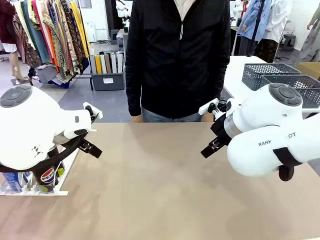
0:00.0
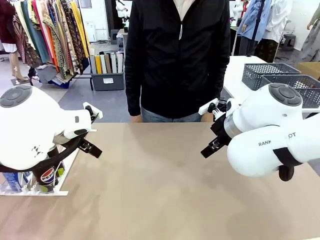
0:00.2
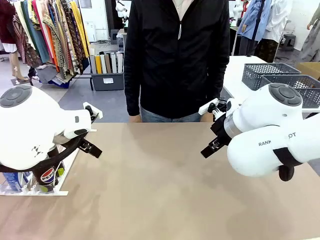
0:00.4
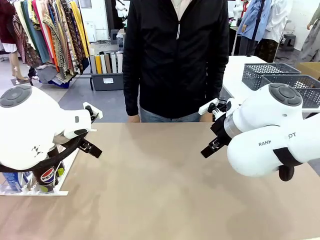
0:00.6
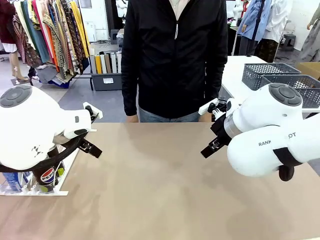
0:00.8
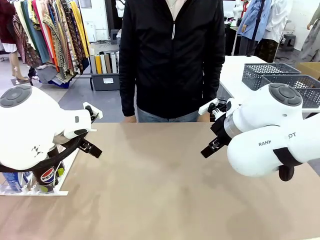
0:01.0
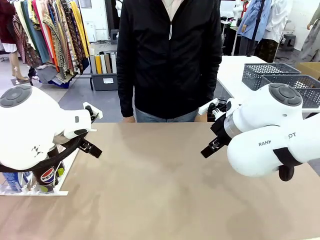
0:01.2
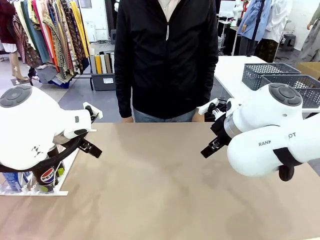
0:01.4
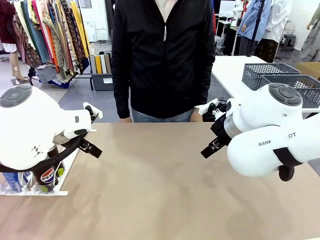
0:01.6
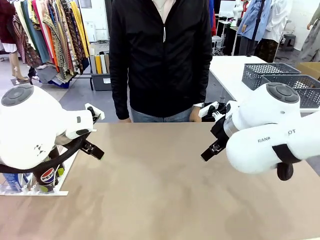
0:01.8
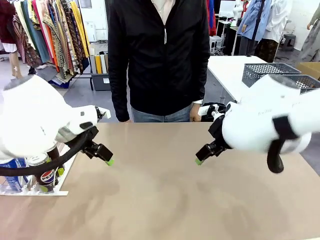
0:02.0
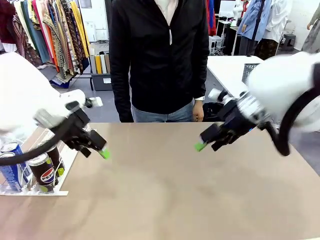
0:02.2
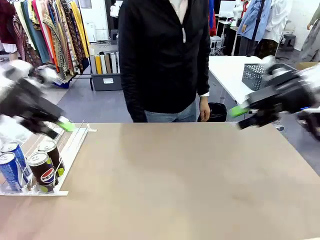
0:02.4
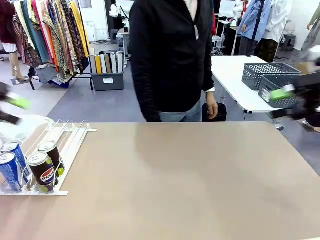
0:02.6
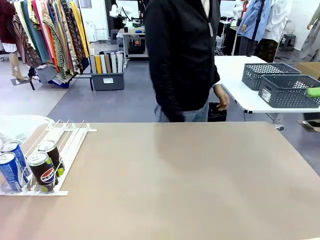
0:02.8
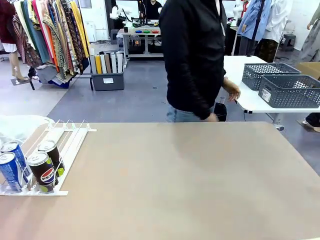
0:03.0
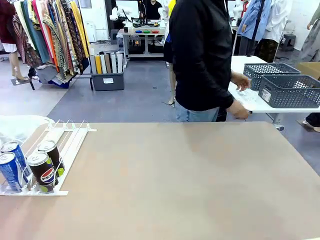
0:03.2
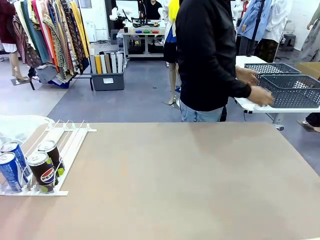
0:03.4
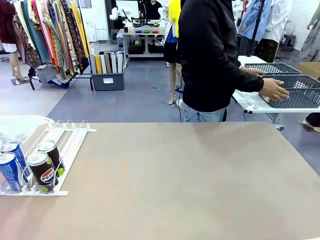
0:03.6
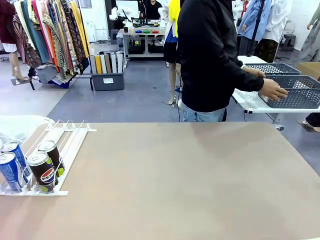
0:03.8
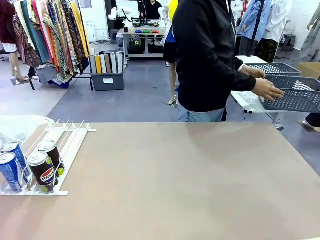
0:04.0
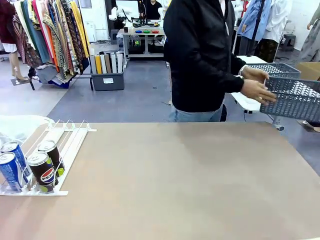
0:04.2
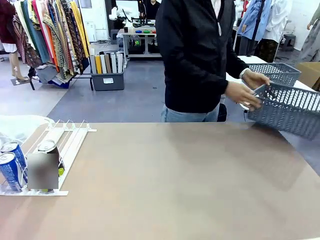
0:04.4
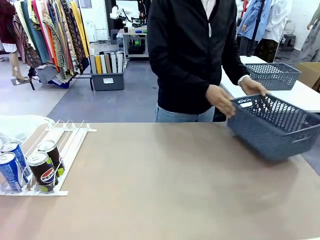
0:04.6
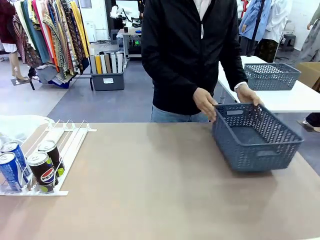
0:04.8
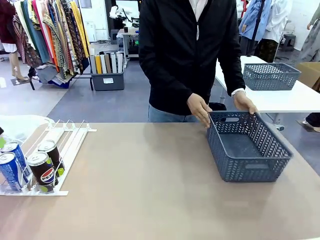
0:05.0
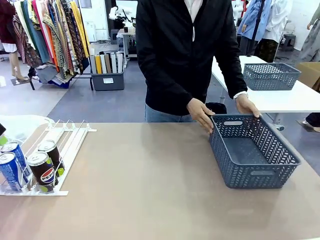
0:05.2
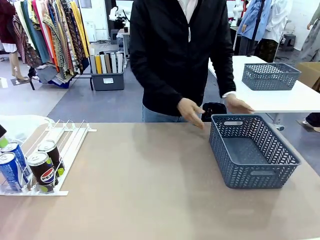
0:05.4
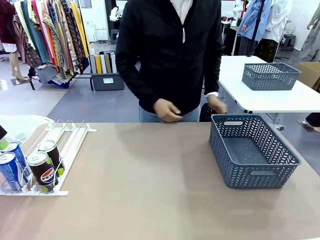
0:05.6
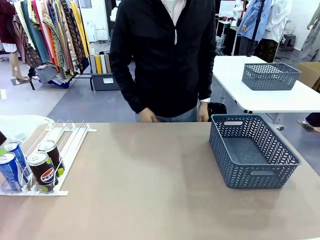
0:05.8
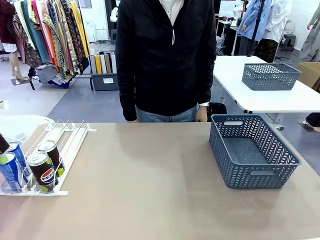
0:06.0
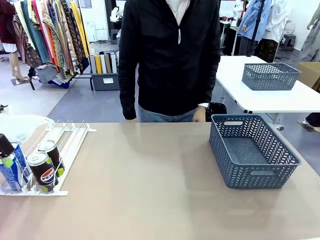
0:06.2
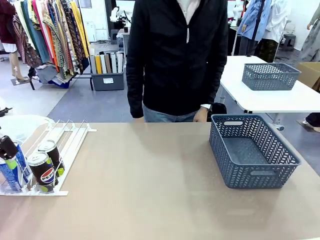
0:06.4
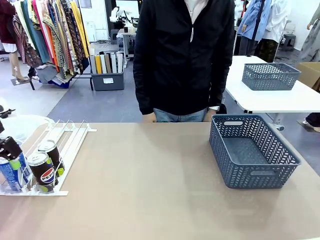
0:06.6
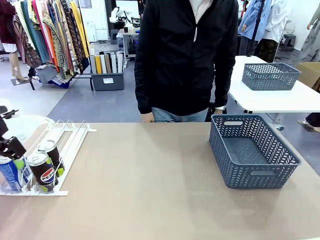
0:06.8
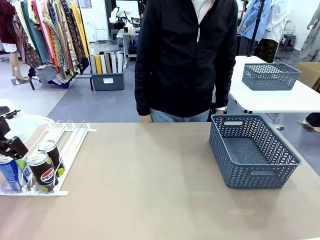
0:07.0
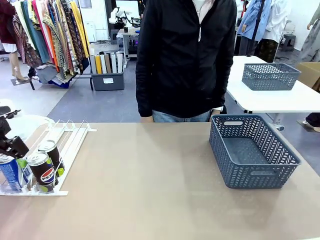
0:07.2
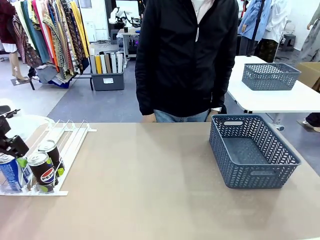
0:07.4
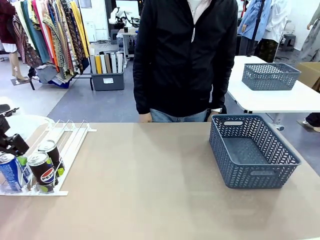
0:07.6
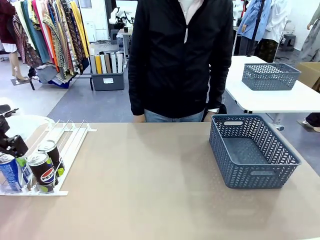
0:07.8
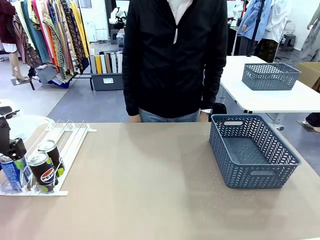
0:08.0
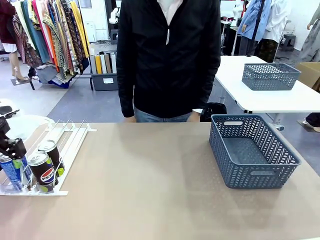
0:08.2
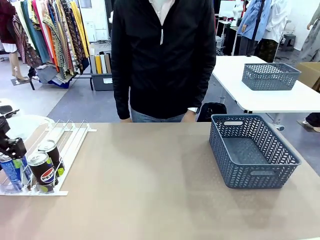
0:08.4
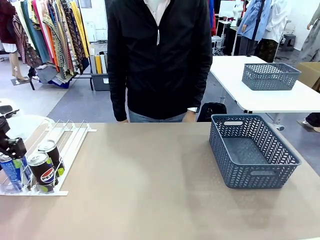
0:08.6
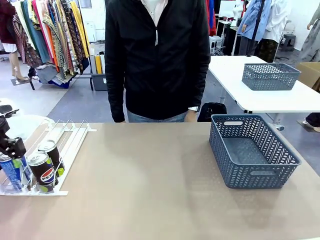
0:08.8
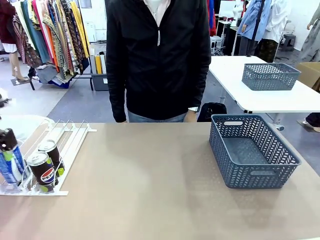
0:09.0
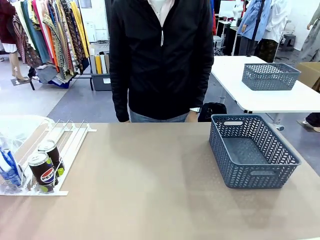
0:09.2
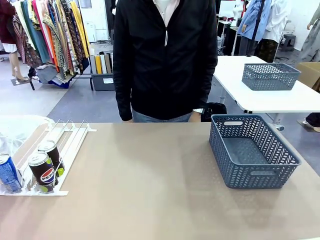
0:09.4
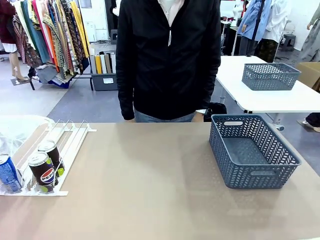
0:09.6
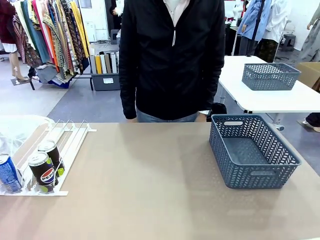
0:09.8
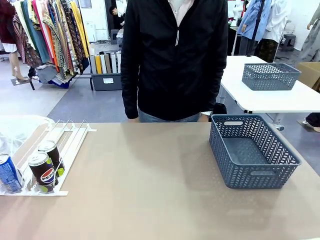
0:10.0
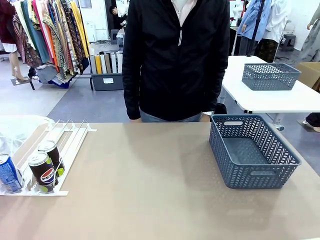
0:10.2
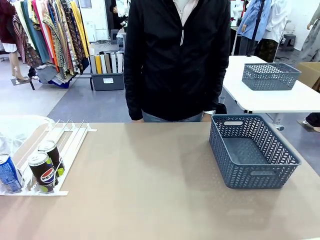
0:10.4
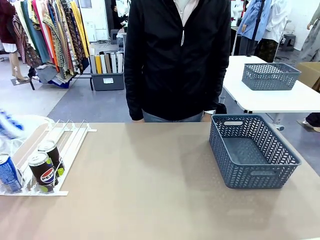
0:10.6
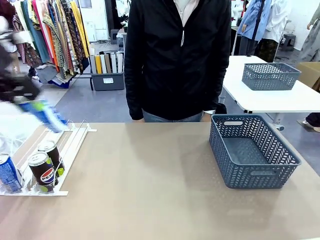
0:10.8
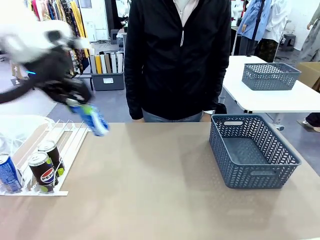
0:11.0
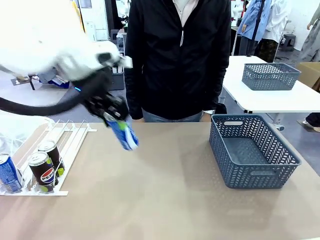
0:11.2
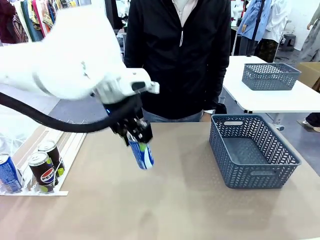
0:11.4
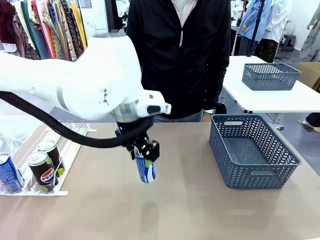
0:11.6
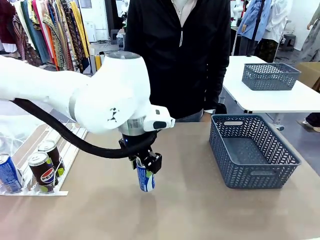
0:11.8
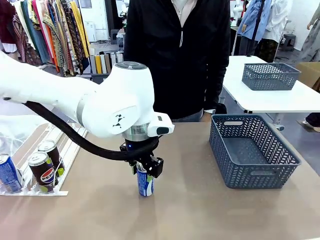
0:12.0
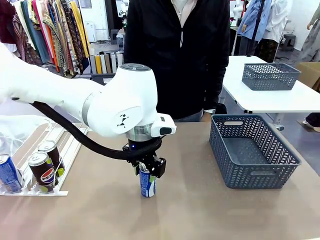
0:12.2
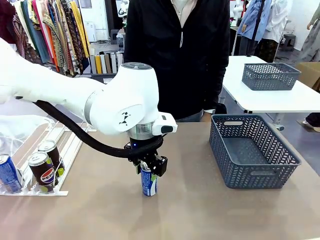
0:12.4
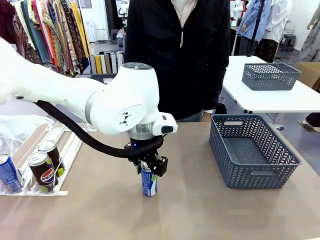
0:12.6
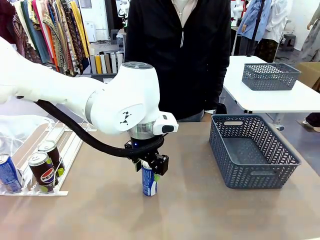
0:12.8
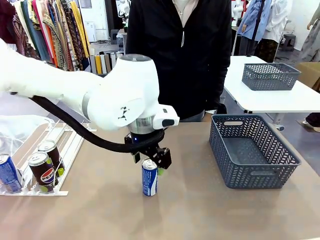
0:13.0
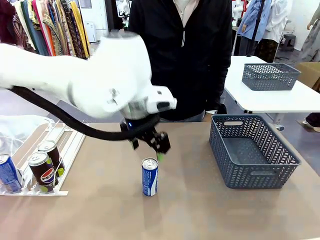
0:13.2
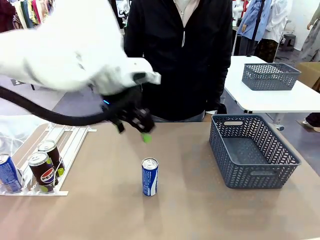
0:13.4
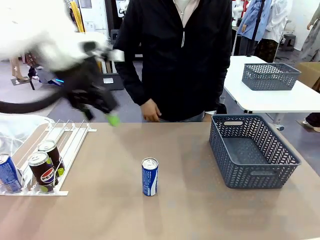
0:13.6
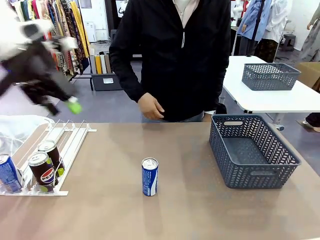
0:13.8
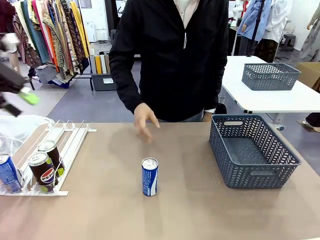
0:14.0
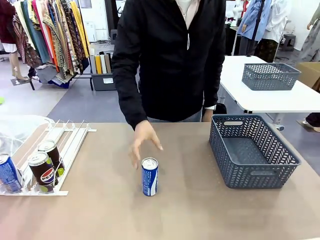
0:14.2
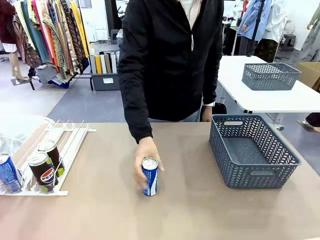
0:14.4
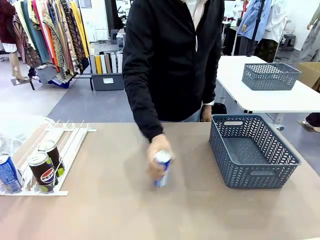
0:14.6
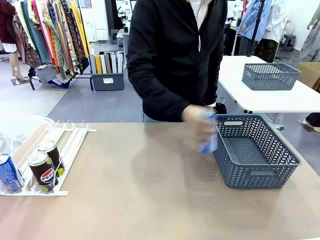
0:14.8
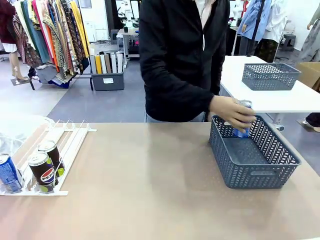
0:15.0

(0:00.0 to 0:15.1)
Task: Retrieve and store the cans from the dispenser.
Robot: Pick up one can from the Automatic Can Dispenser and place it in the middle of the table.
Person: Pick up the basket and place it on the left side of the robot table.
